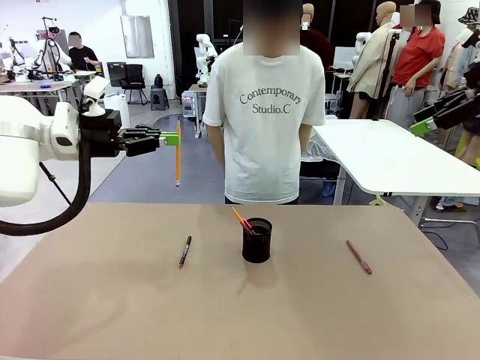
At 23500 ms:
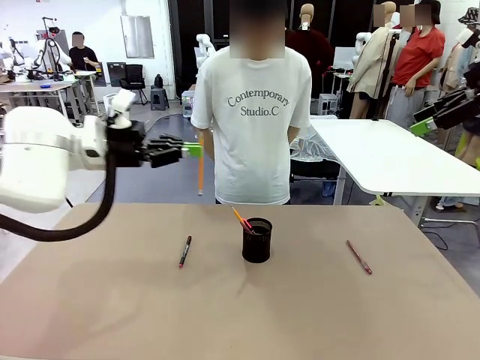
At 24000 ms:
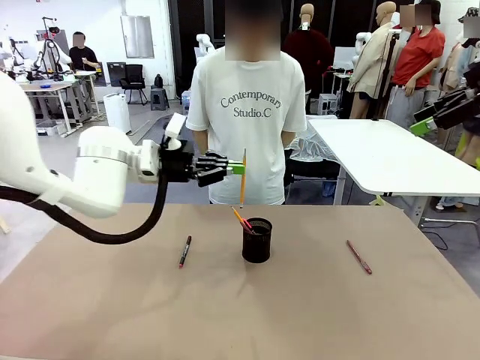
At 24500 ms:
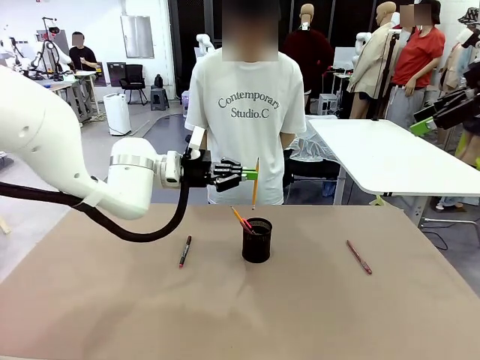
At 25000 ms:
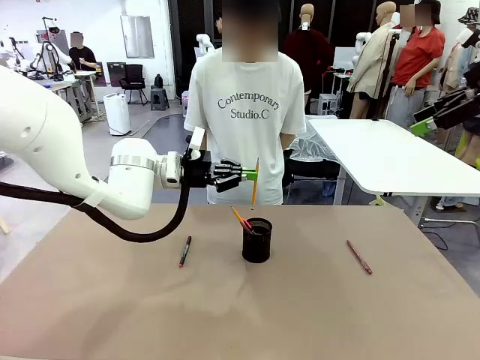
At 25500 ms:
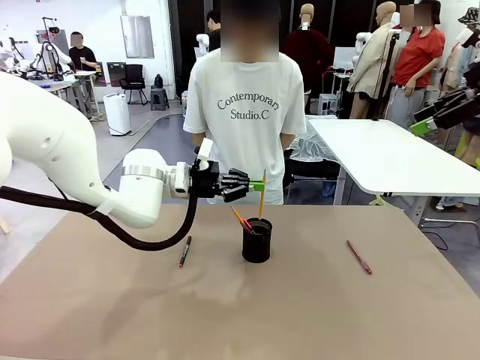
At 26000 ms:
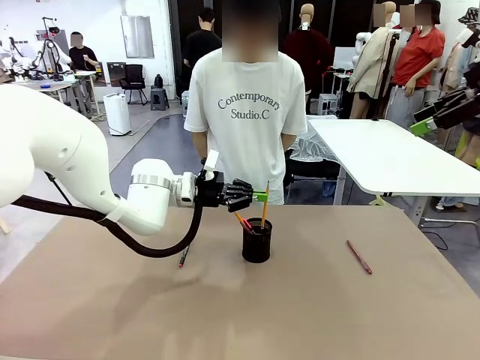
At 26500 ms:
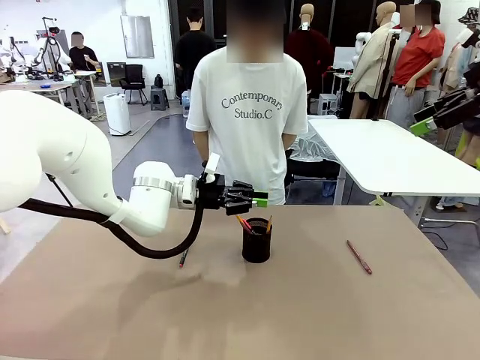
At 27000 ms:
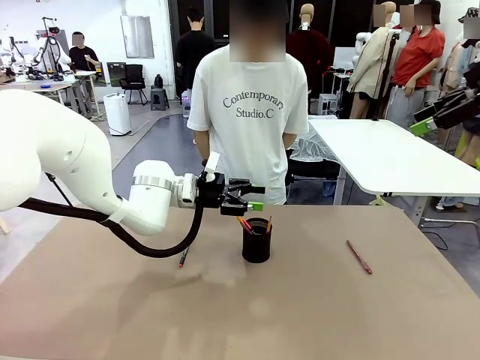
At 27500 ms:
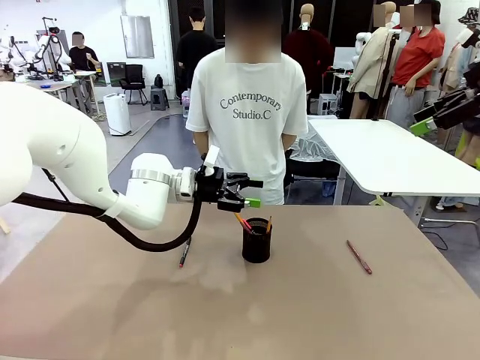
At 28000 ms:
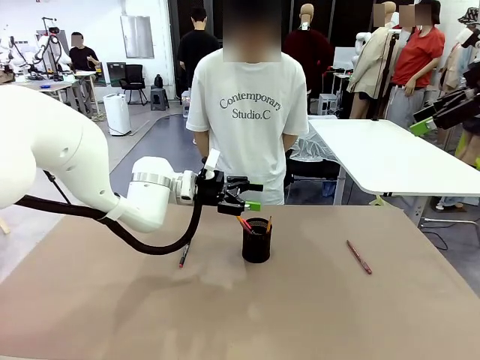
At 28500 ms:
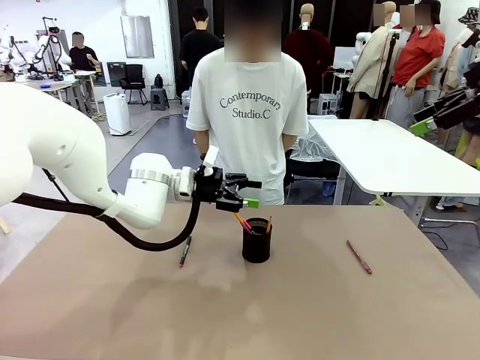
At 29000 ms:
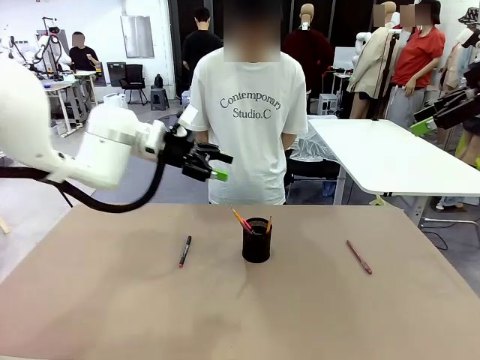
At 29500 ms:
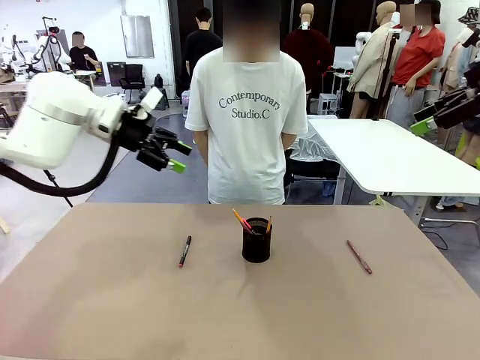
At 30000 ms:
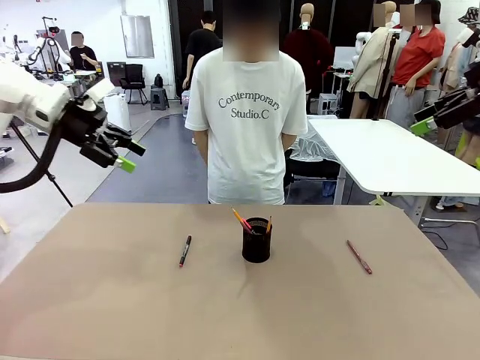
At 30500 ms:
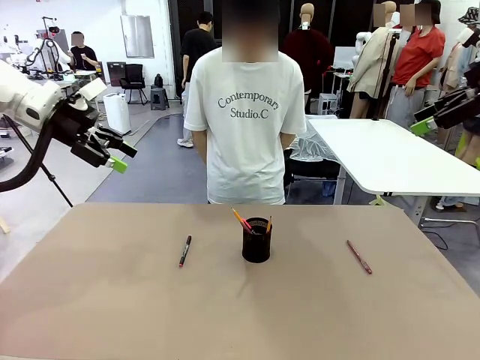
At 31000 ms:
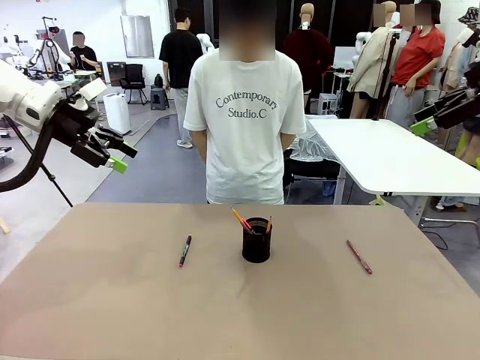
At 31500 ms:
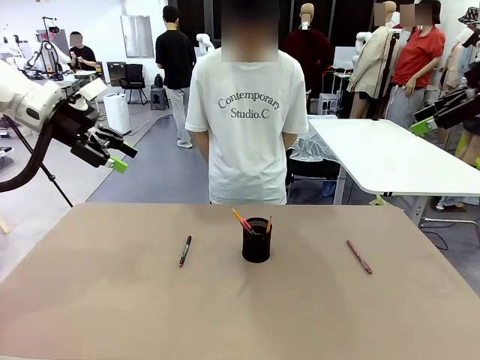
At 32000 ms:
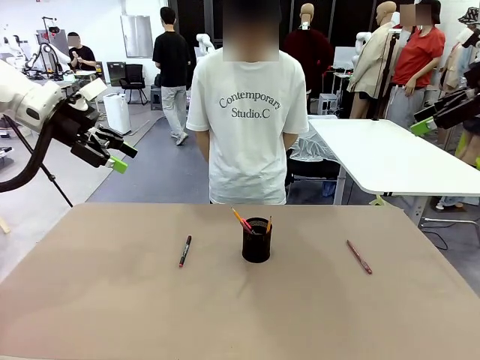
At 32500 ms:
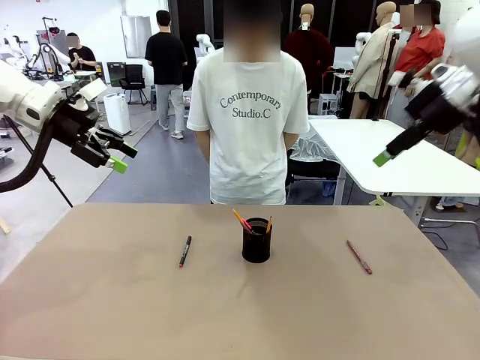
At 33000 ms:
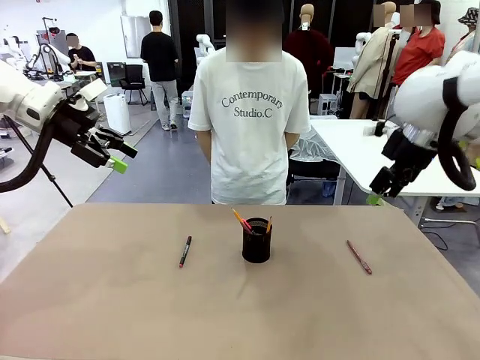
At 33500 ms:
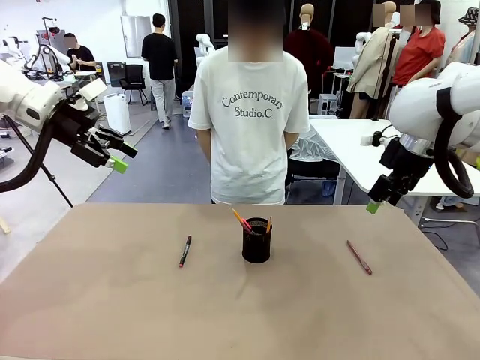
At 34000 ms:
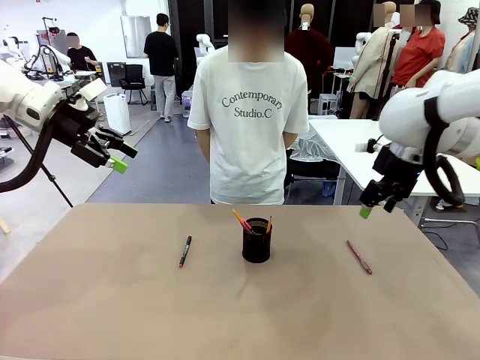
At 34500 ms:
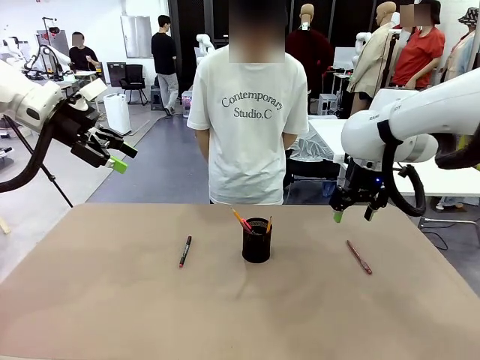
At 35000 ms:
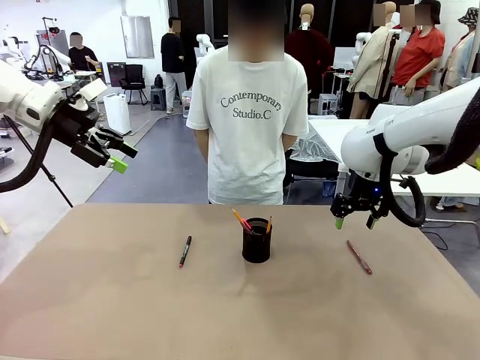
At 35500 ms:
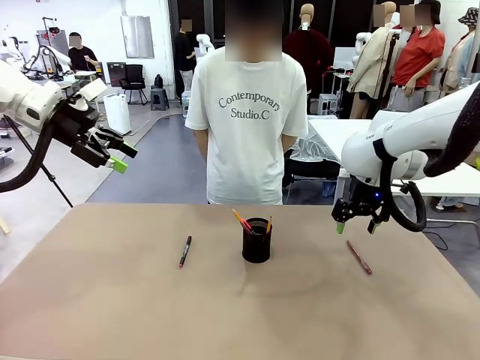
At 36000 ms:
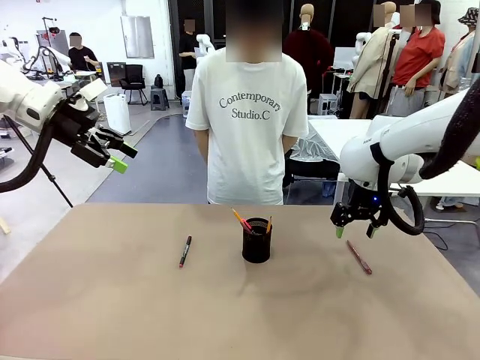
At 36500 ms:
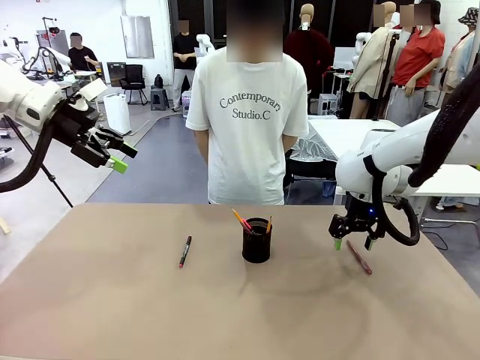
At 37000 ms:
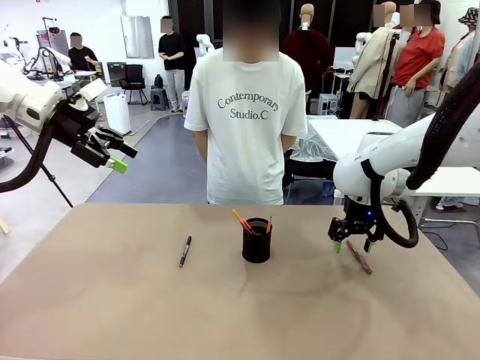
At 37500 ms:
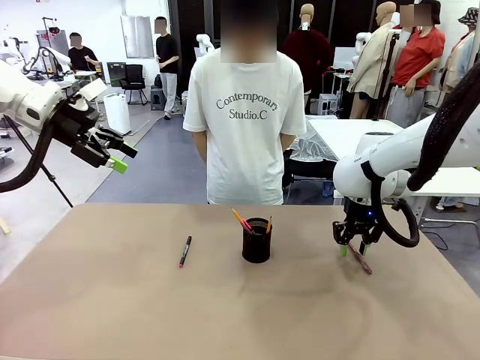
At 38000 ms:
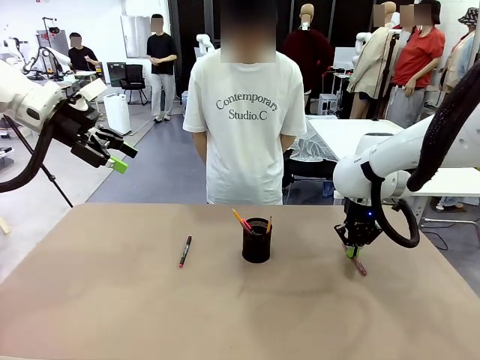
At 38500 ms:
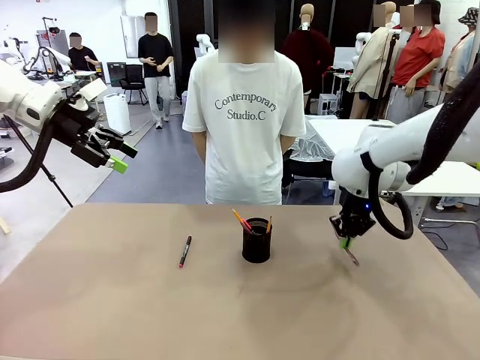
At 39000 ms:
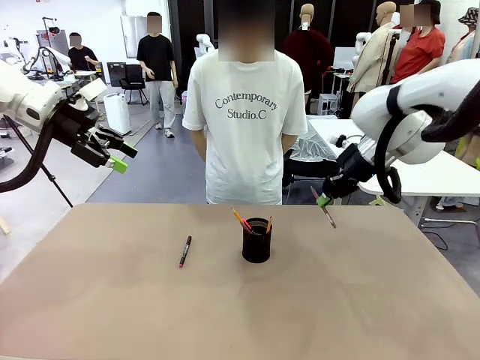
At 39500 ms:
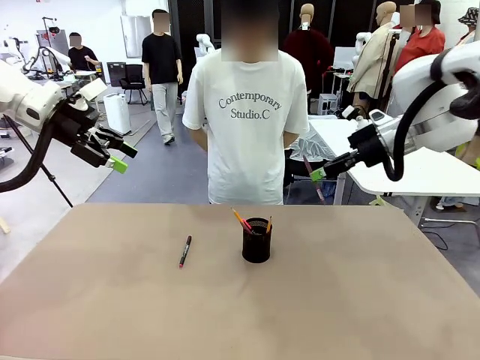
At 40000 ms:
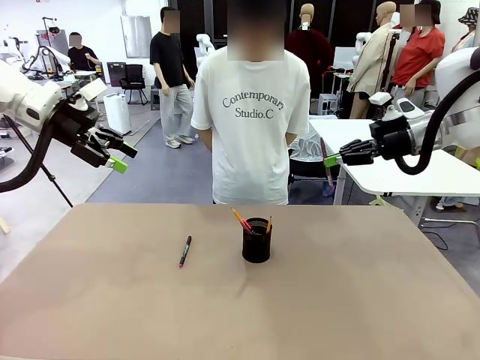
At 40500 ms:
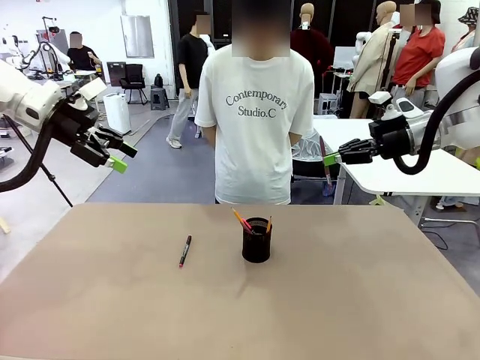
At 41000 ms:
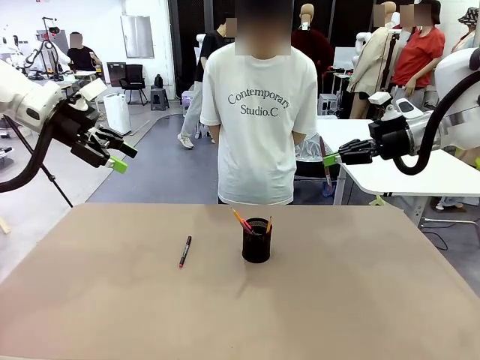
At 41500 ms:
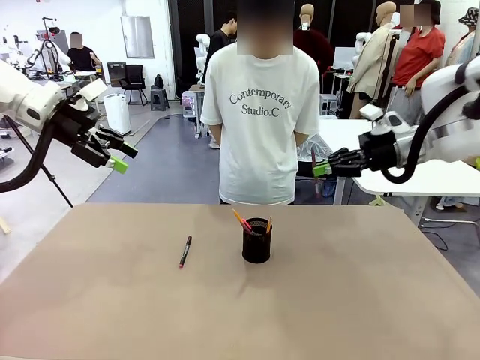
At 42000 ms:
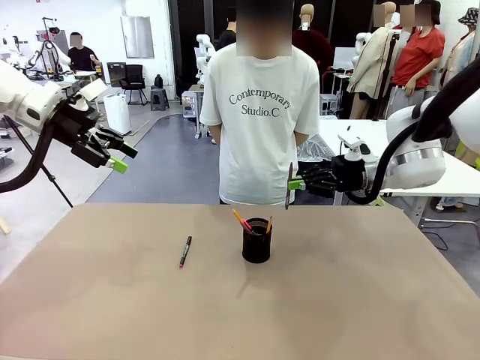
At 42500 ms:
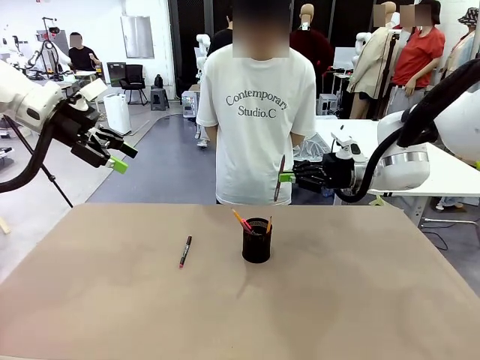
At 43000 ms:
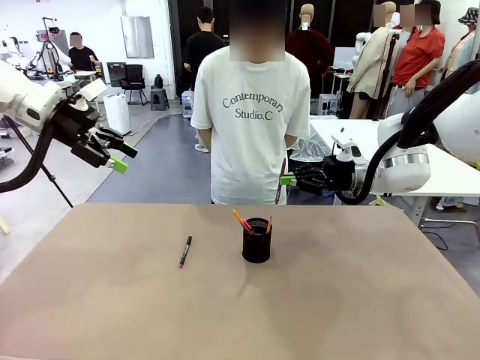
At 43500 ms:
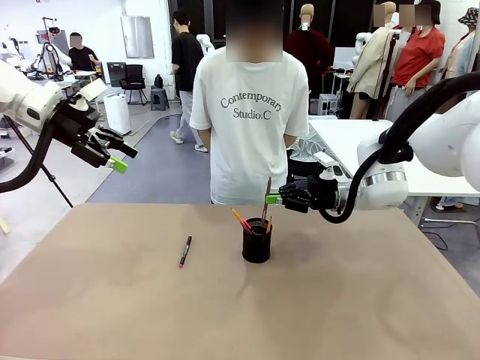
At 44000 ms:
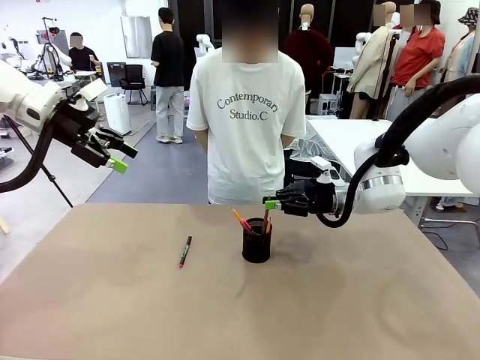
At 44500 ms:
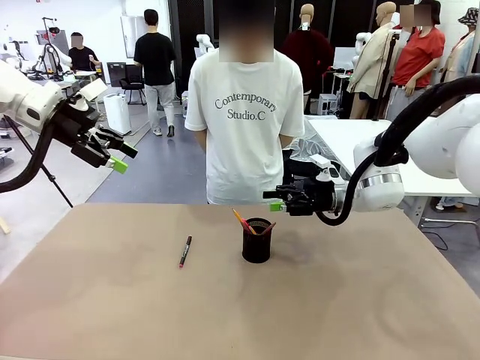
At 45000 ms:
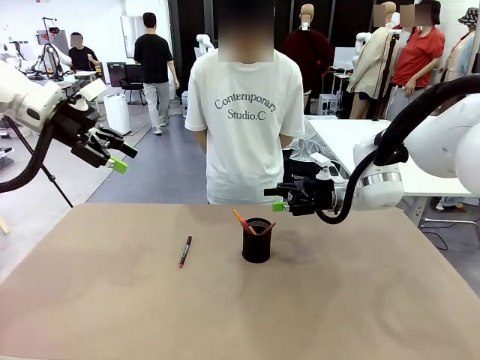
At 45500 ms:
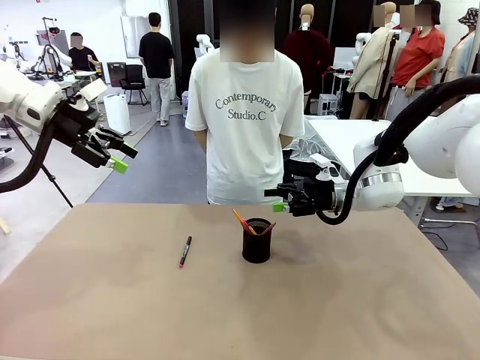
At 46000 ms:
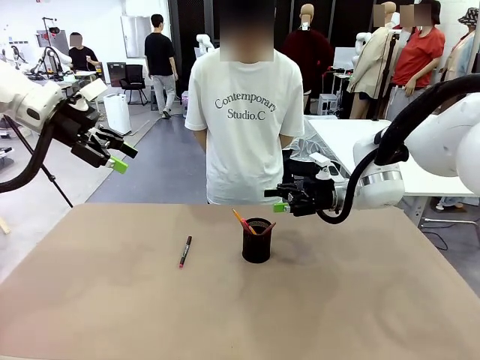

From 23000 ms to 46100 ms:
Task: Place the pens into the pen holder.
Robot: Pick up a writing instrument from the table and place it into the Pen holder.
